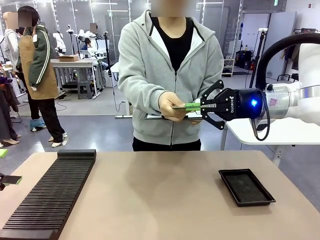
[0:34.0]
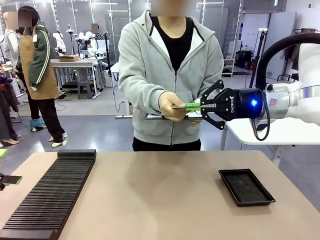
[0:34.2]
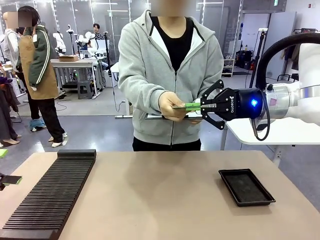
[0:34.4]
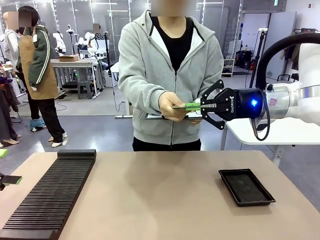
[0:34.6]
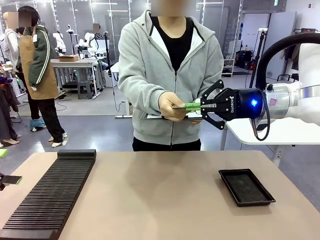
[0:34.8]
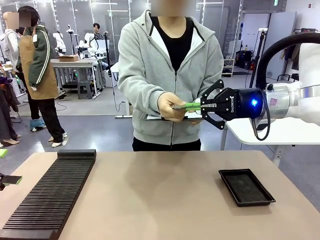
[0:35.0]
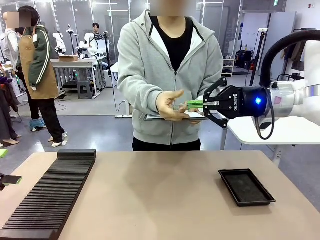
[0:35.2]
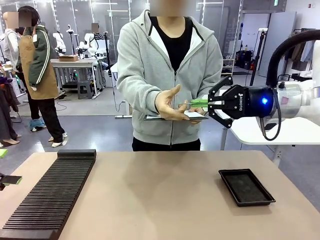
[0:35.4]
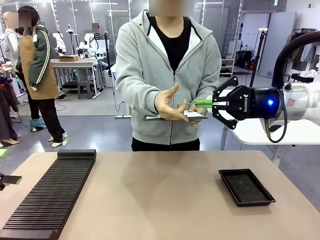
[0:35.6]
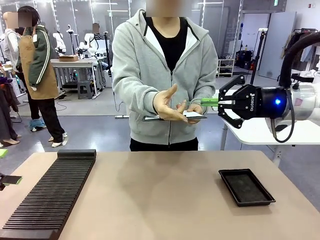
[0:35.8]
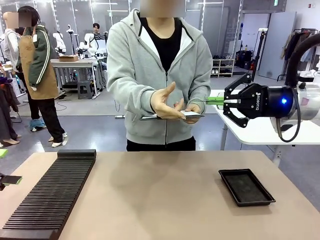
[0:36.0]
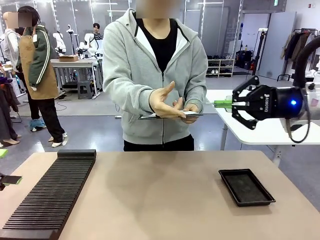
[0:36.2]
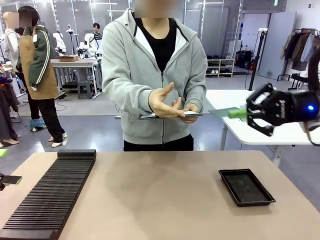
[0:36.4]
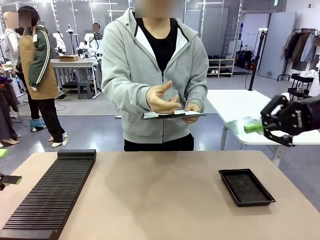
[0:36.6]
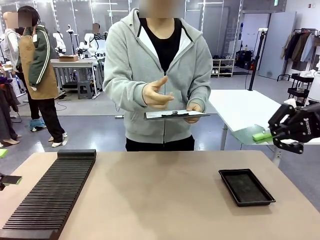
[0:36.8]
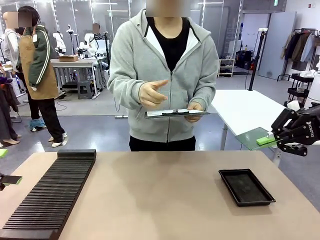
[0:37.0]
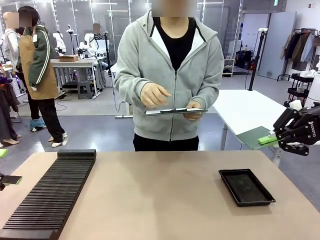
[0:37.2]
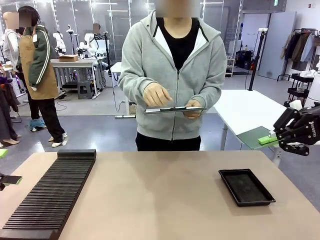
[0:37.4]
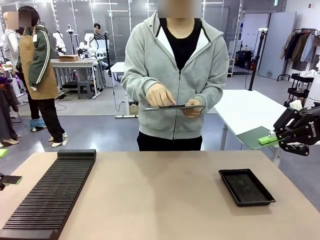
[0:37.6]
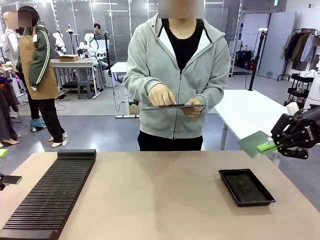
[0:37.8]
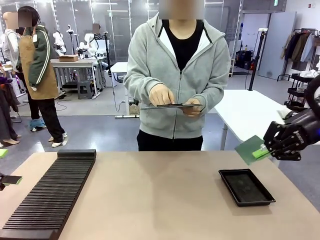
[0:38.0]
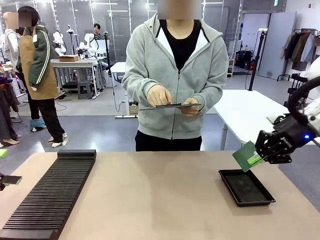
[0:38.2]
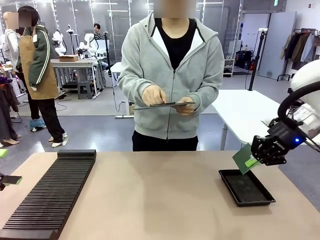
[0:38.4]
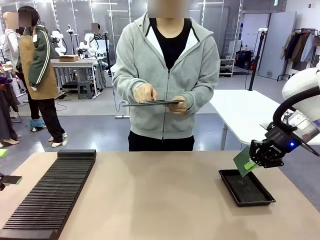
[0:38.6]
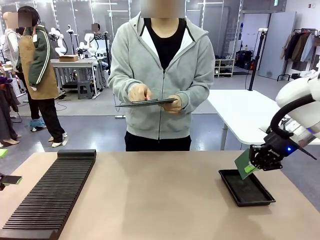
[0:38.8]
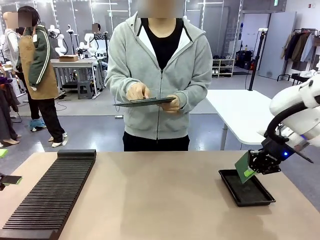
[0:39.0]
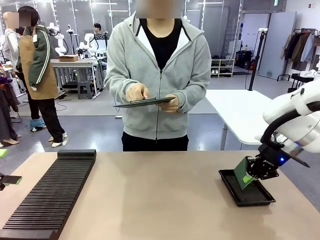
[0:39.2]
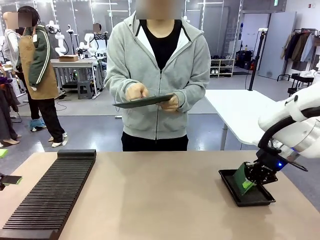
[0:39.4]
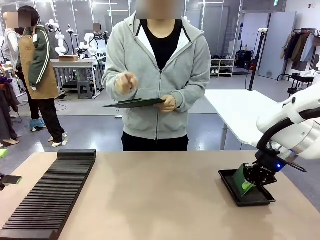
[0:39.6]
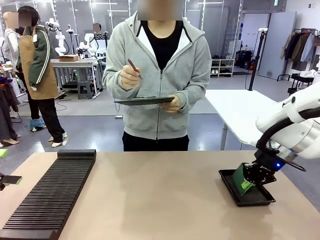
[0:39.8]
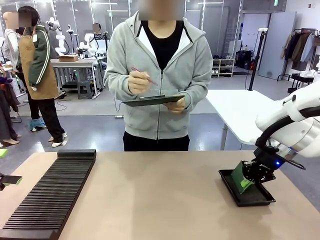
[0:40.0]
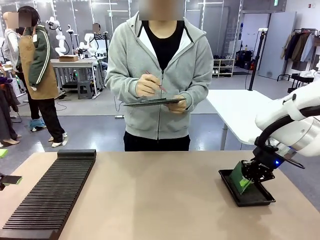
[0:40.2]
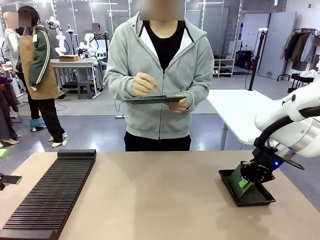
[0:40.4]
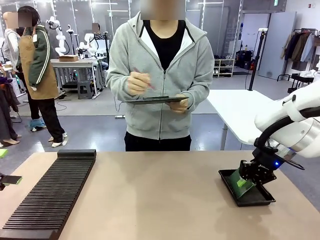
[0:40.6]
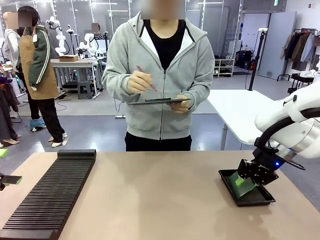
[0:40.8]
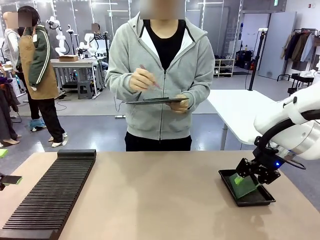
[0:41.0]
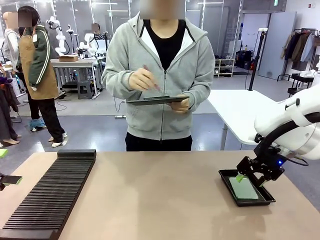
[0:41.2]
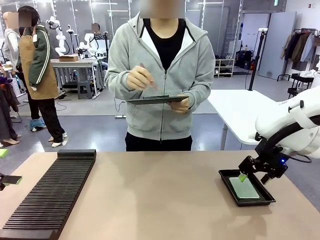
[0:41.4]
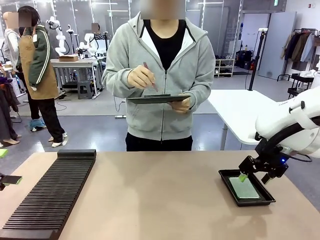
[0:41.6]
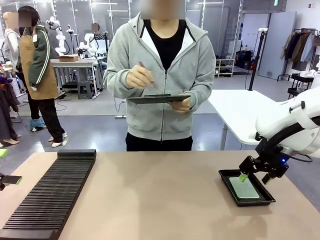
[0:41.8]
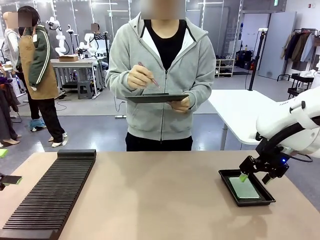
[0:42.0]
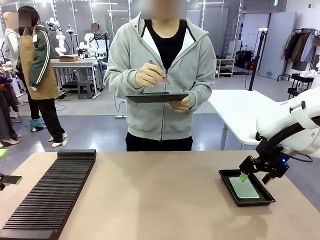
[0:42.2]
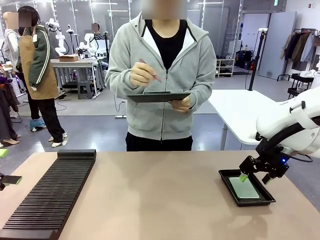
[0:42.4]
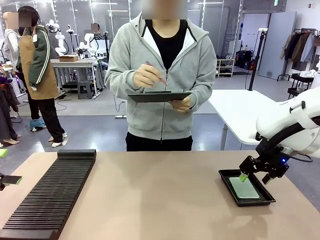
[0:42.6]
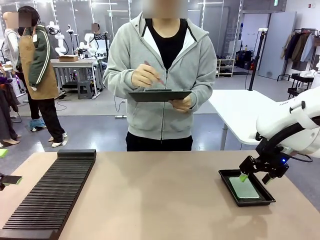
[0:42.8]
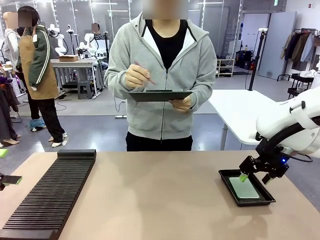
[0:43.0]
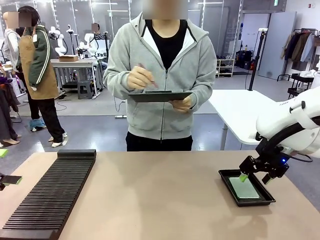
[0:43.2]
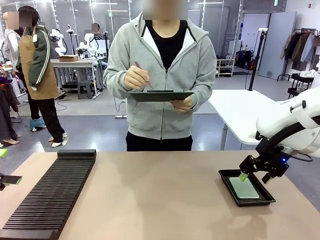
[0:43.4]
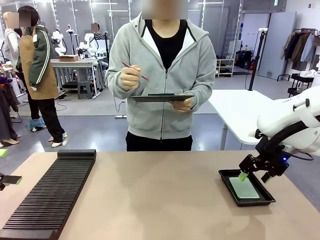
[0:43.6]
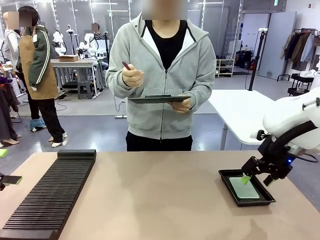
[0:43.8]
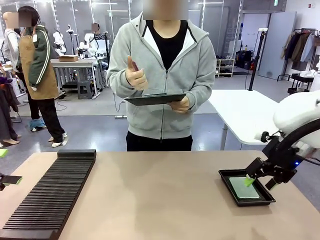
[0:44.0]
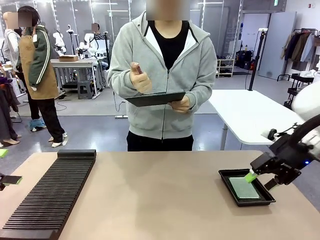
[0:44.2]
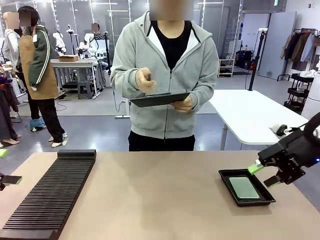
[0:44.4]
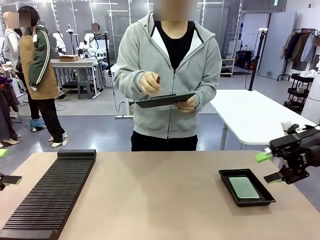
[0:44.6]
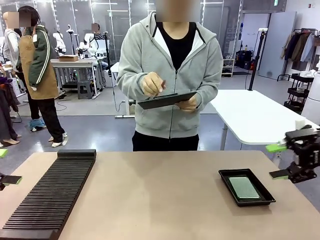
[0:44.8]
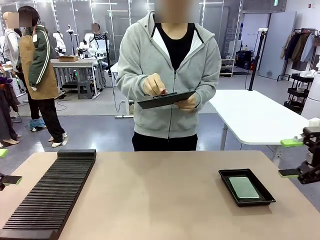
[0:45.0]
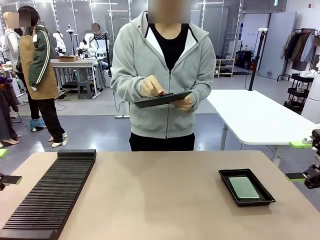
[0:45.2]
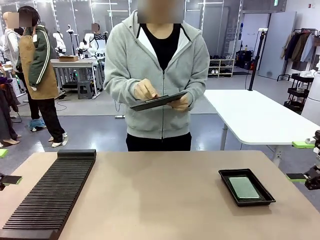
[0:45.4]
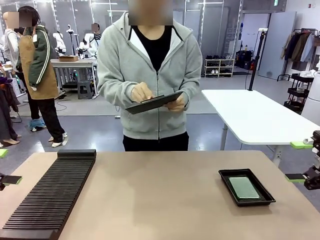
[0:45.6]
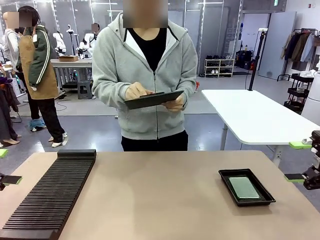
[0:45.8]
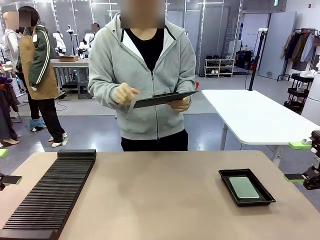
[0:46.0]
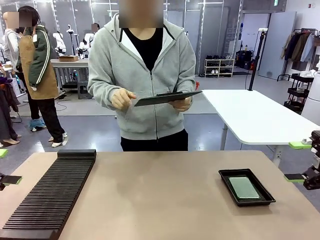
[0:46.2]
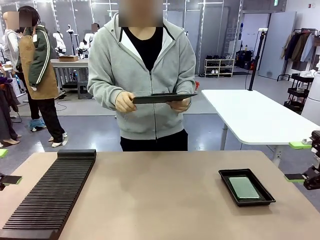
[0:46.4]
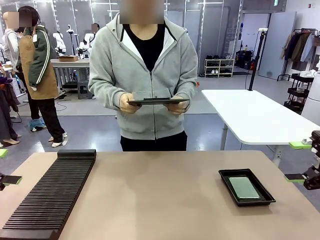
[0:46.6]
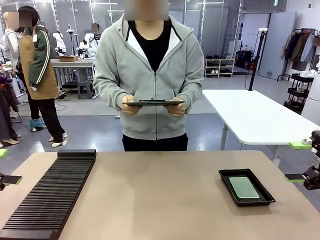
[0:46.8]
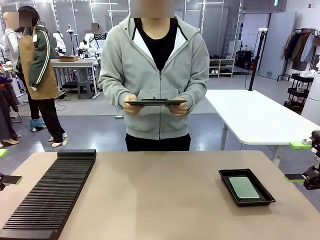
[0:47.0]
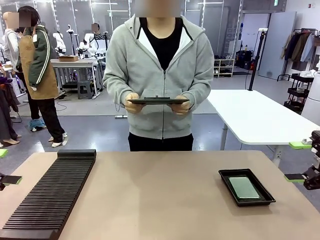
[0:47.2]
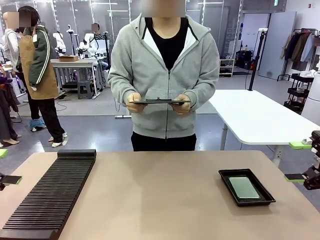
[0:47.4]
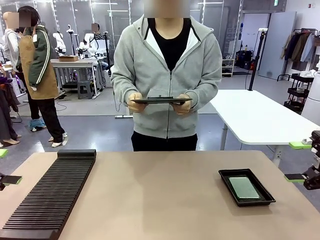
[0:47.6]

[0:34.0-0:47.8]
Task: Inspect the PCB.
Robot: Place the Blank PCB in the ESD tray.
Person: Record the PCB status on the paper.

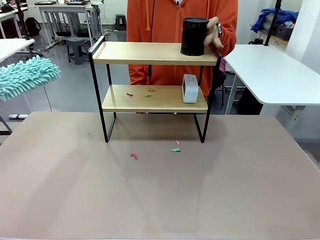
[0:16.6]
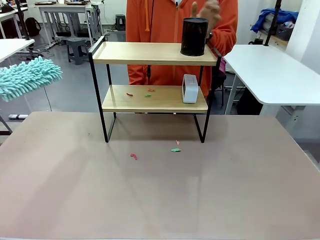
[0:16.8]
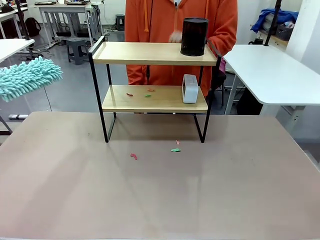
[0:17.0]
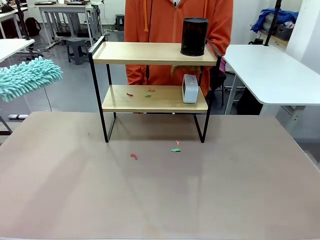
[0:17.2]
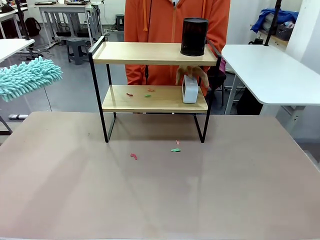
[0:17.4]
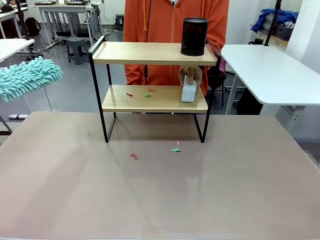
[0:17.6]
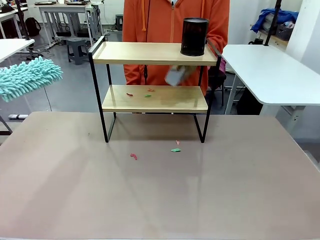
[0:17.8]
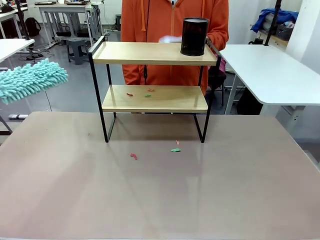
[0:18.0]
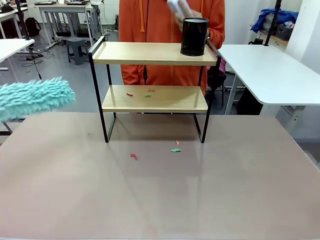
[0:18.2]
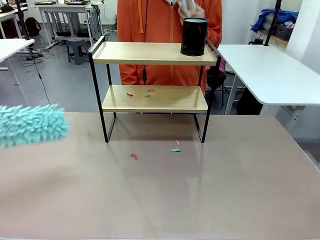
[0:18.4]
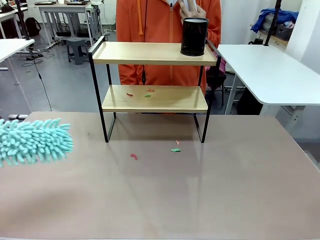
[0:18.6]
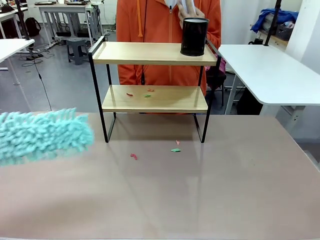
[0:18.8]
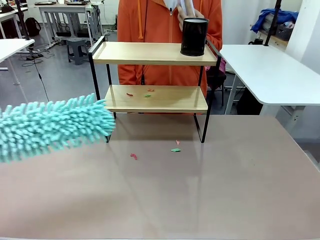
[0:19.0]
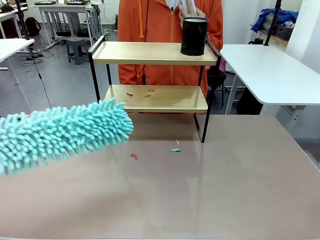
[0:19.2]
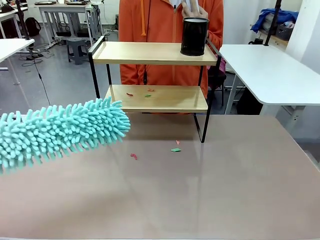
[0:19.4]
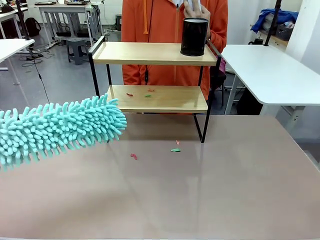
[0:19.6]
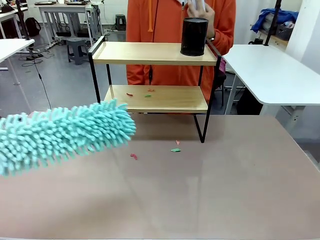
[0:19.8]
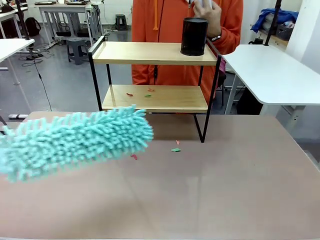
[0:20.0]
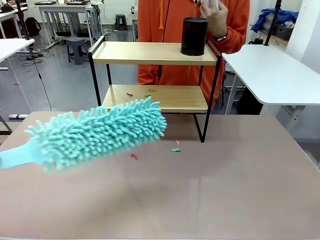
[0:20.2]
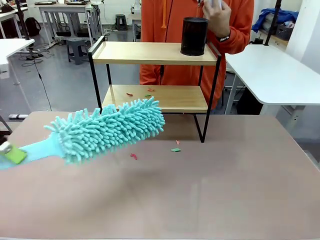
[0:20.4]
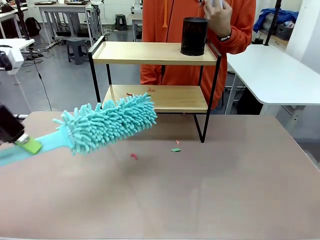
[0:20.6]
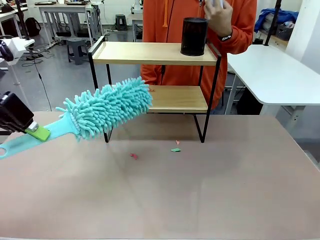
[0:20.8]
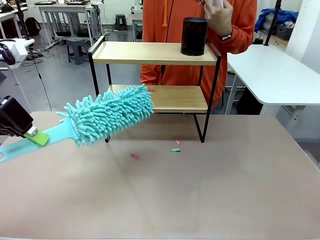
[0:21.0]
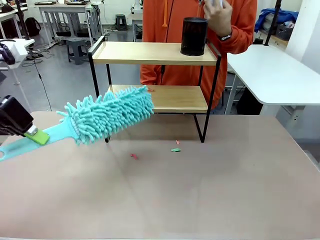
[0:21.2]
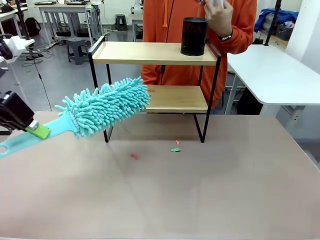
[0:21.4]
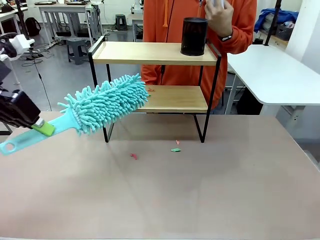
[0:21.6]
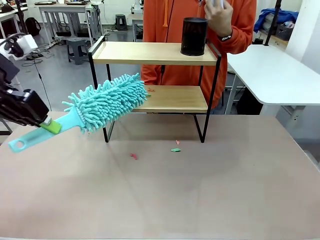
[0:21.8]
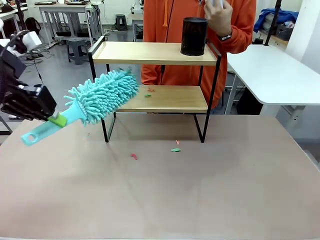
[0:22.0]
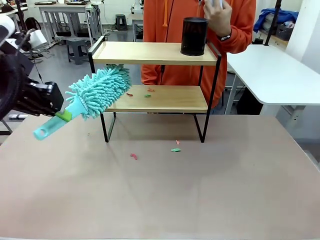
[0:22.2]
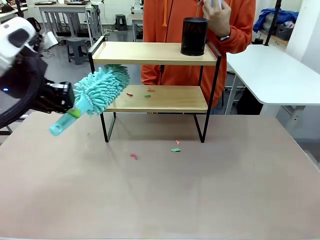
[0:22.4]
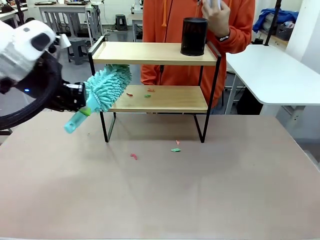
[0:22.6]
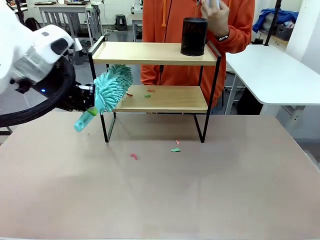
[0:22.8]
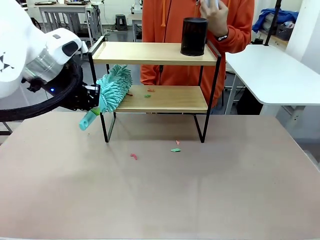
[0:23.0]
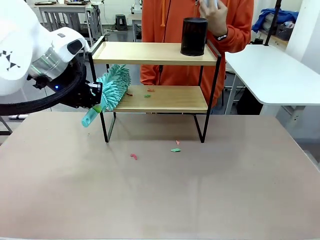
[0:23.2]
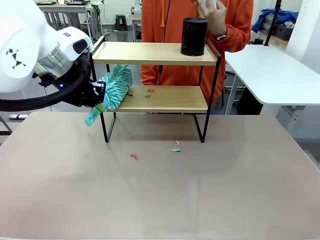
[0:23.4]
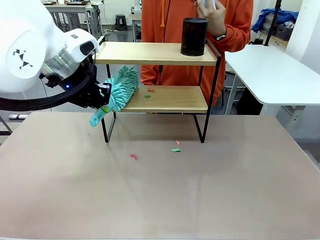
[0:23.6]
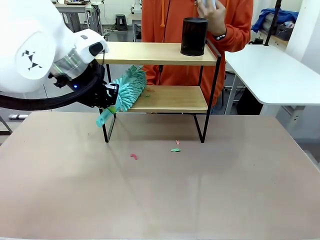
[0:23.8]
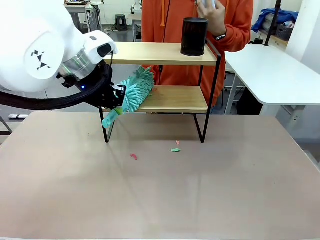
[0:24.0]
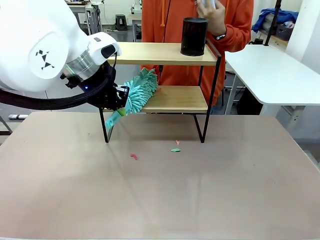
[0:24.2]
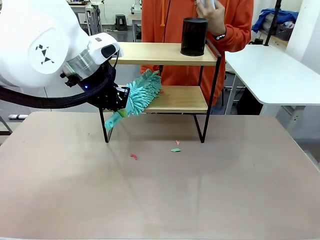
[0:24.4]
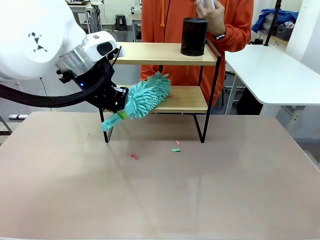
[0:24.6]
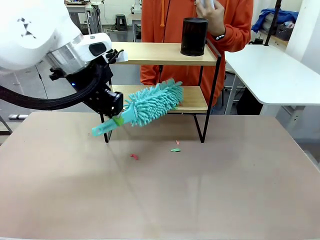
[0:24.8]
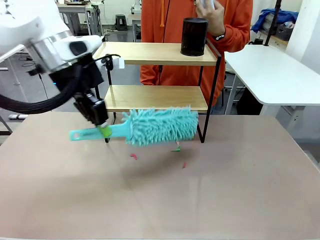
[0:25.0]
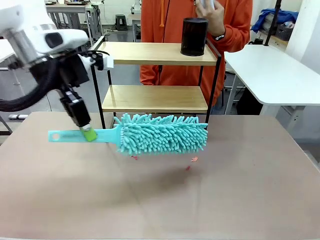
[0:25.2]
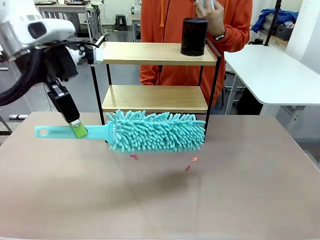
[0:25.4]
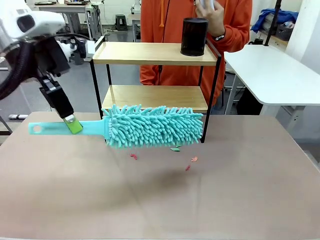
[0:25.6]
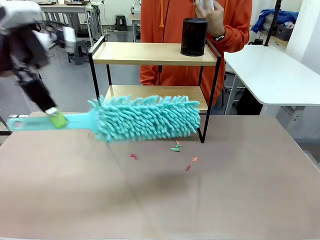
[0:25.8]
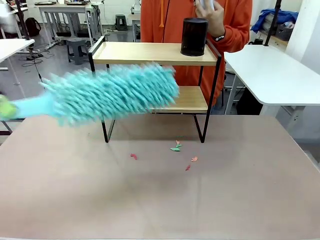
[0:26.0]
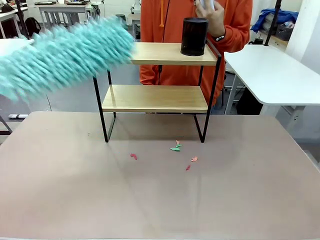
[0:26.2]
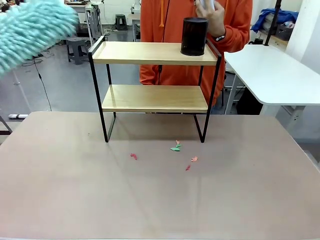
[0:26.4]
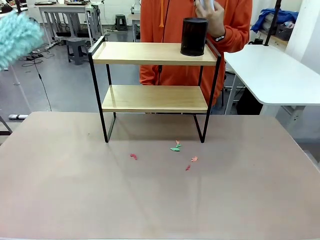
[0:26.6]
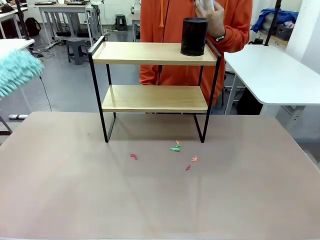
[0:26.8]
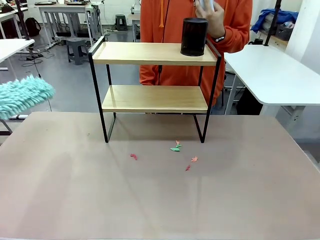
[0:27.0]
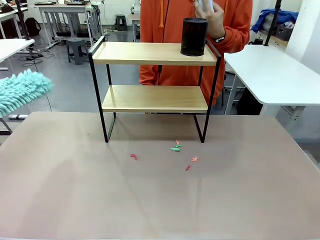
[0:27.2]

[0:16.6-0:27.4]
Task: Clean the shelf.
Robot: Clean the remaining tier of the Shelf with the Duster once objects are removed.
